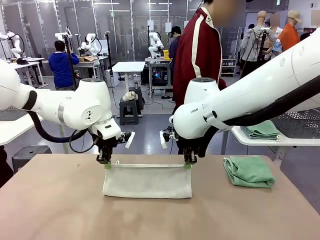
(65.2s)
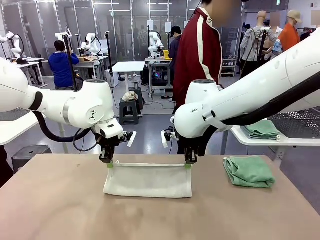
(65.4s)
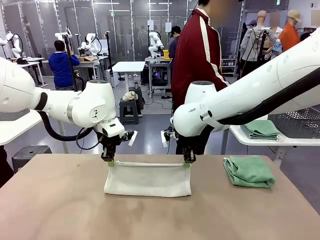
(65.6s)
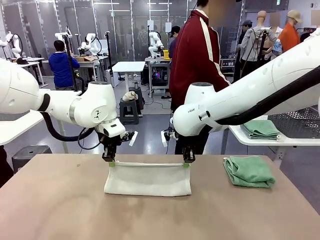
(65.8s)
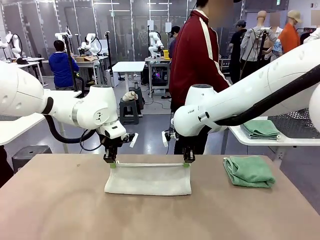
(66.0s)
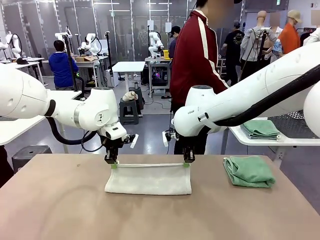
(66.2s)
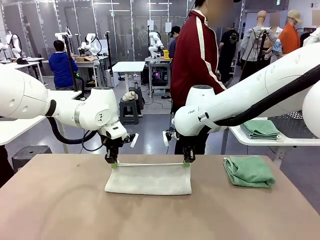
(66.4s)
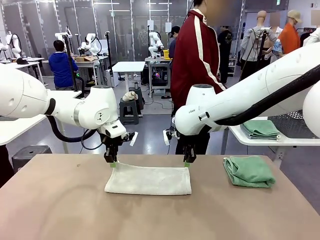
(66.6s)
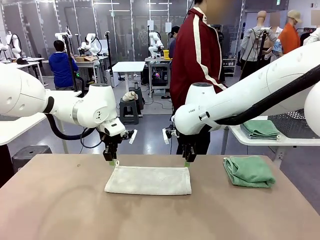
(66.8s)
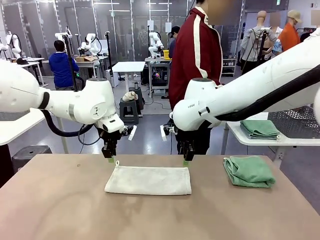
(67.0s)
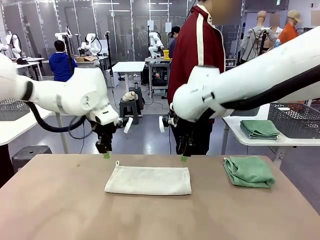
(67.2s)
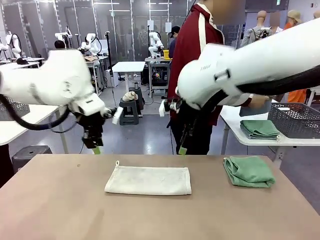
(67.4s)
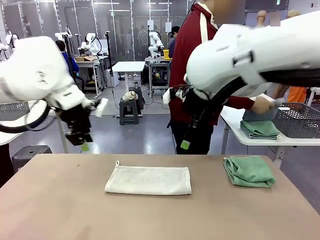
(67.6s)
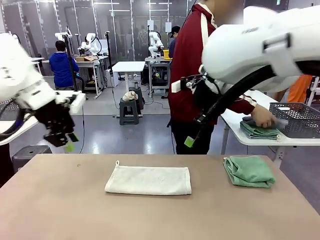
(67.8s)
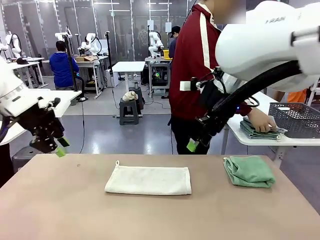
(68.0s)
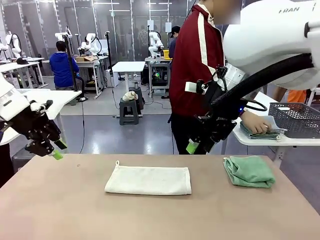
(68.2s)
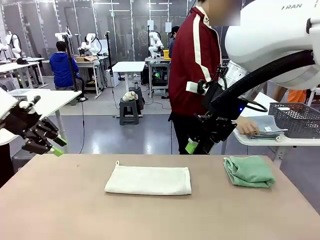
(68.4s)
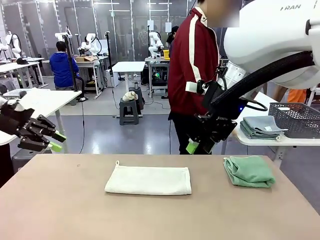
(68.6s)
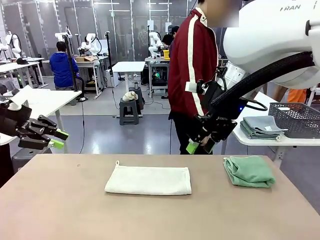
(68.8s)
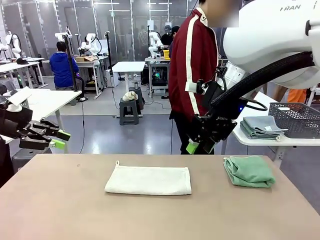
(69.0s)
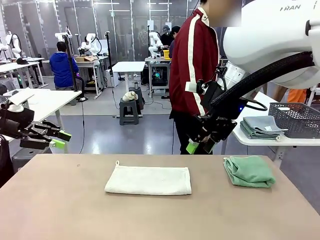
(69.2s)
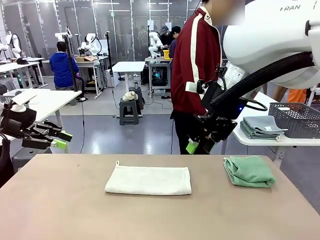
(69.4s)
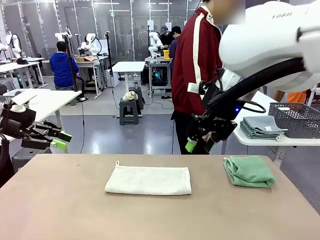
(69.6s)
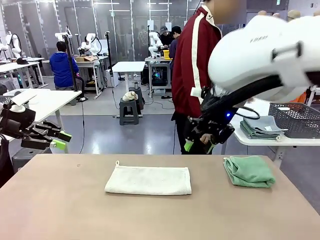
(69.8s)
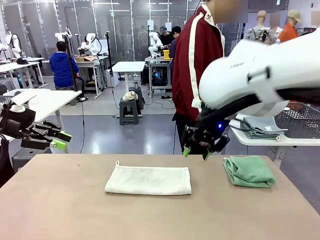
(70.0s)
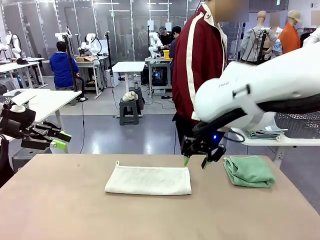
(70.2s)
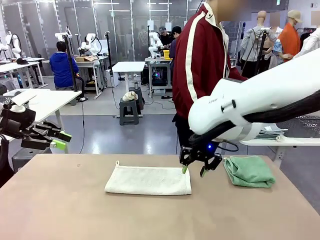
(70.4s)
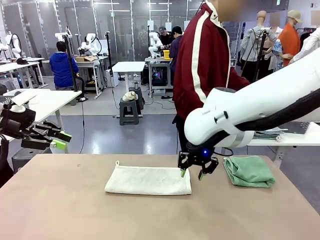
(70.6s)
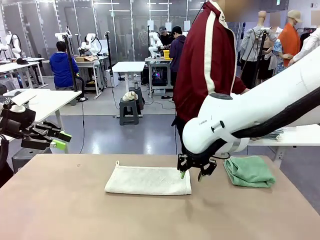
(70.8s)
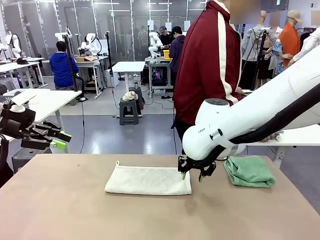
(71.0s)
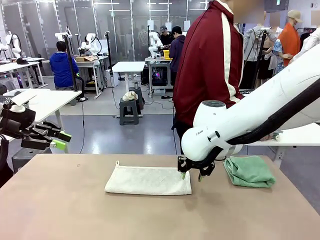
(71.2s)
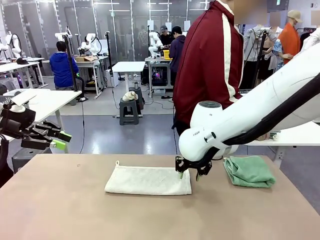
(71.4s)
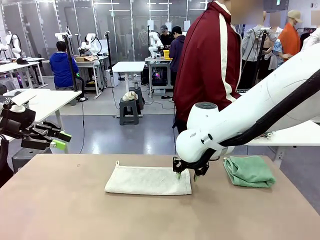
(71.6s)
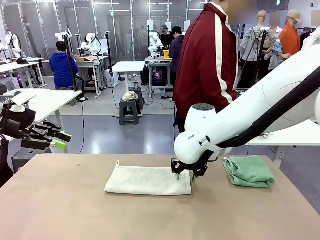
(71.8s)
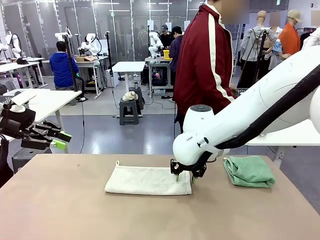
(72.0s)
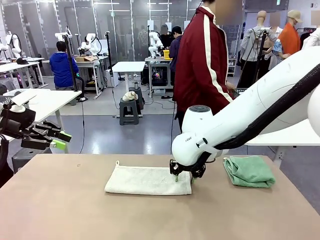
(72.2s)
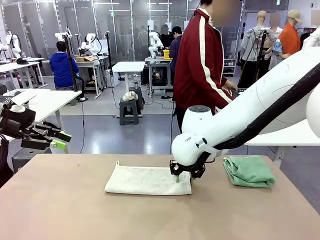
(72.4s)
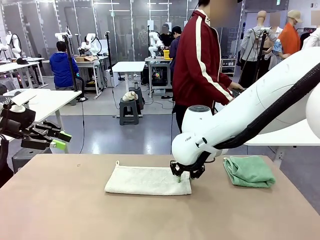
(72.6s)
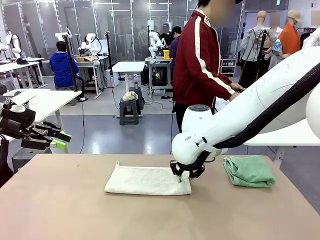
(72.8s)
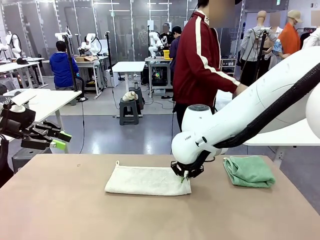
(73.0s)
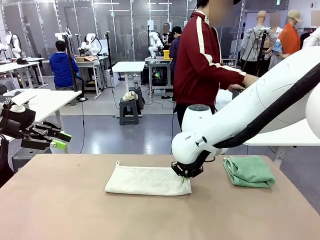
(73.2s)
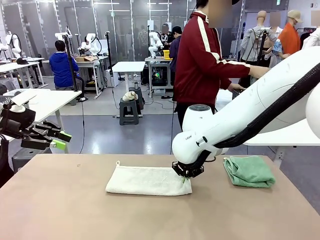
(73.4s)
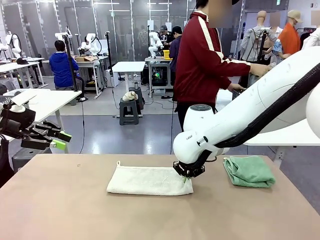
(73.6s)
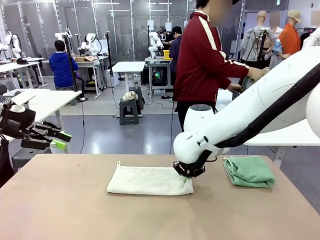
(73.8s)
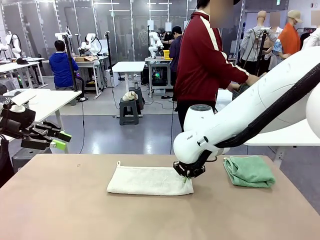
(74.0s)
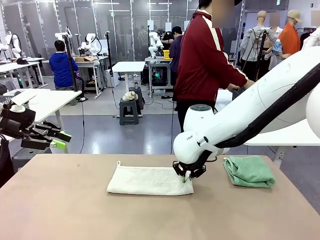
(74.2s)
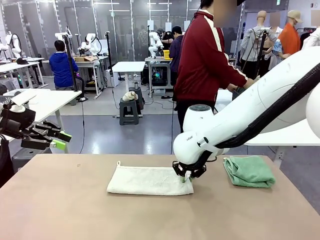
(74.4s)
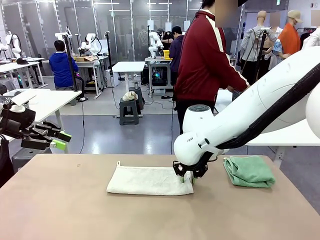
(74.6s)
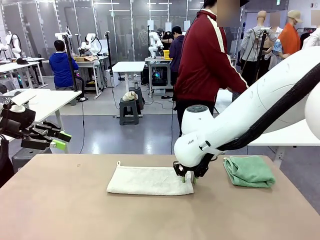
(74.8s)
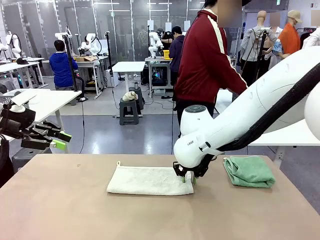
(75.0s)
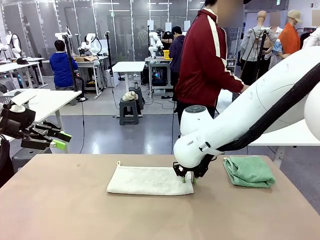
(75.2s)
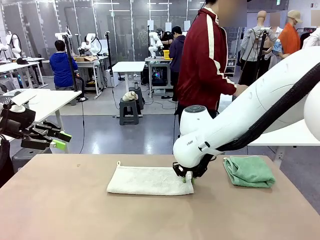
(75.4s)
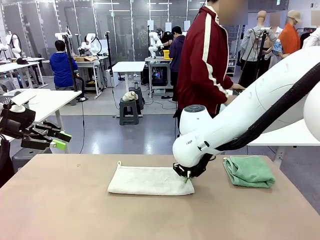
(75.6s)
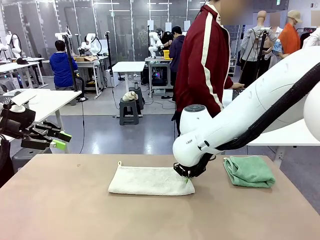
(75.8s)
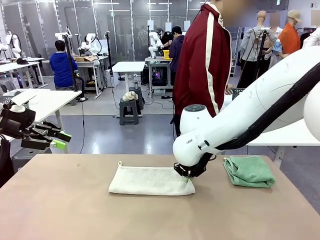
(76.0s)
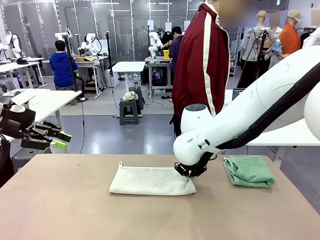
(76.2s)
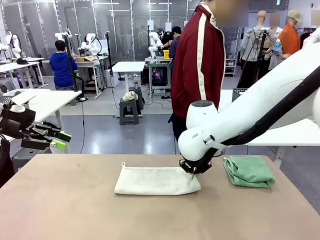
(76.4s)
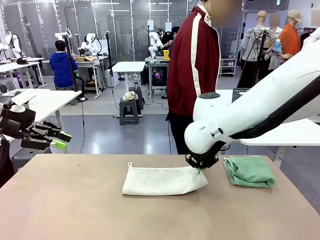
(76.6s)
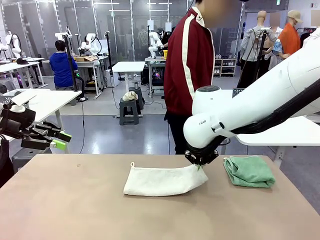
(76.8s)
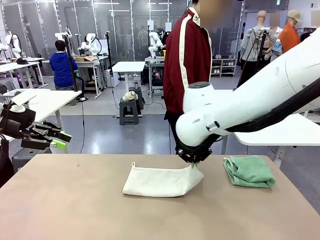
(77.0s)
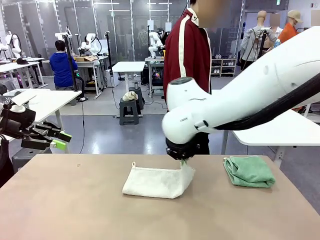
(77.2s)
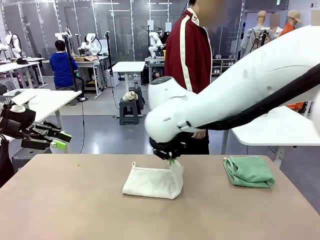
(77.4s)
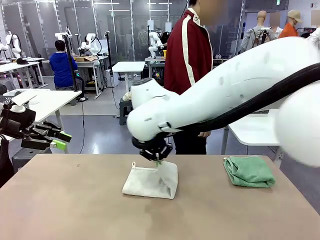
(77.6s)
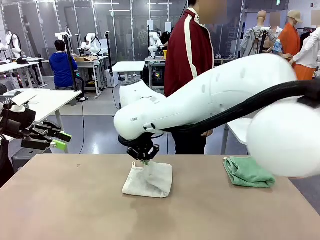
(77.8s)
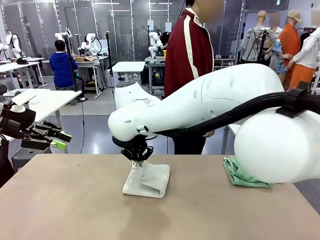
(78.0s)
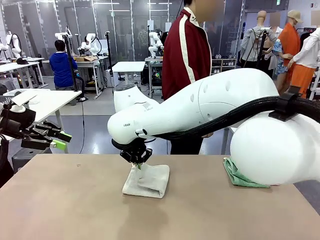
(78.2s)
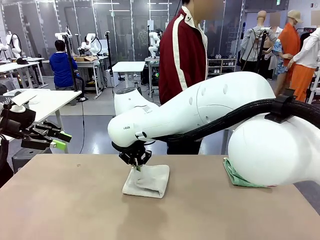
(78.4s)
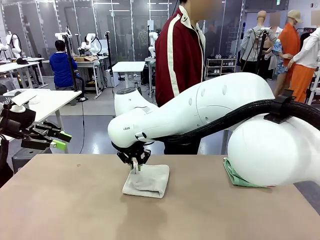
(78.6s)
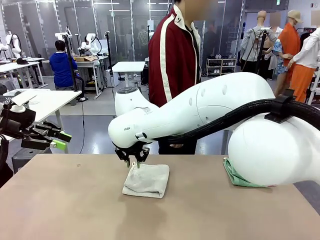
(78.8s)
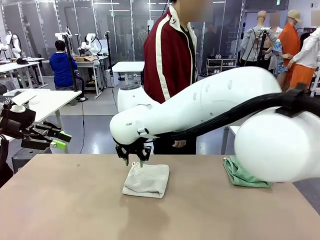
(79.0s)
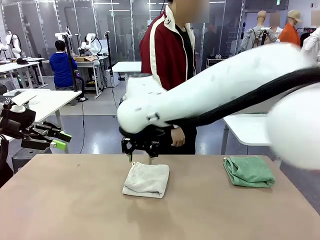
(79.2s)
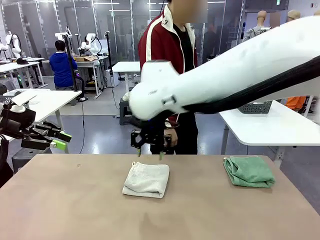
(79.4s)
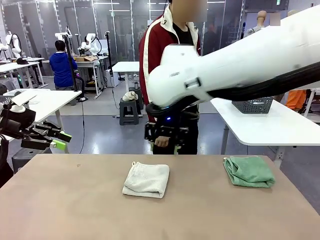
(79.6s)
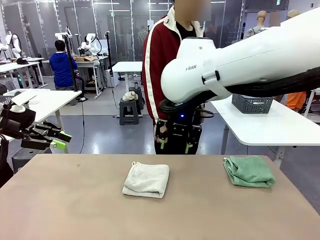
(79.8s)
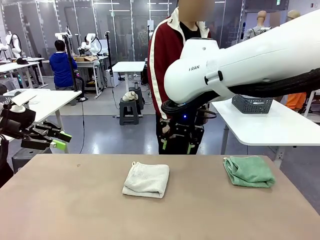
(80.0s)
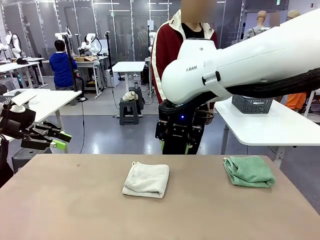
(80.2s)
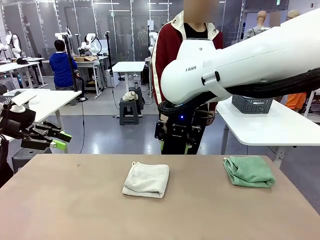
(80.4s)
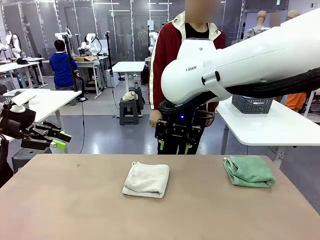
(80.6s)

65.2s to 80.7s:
Task: Fold the towels and place them in the basket.
Robot: When a person lays out a Towel with hook on the table, fold it in half twice.
Person: Pick up the stack of towels from the right side of the human table, place it into the basket, and put the basket at the center of the table.
